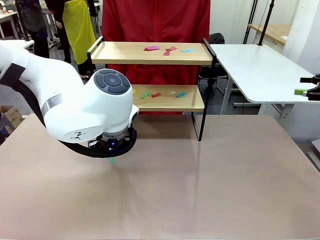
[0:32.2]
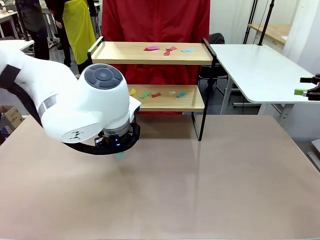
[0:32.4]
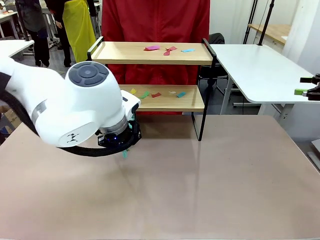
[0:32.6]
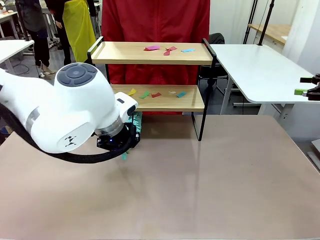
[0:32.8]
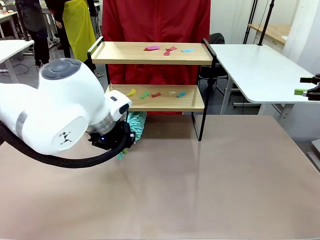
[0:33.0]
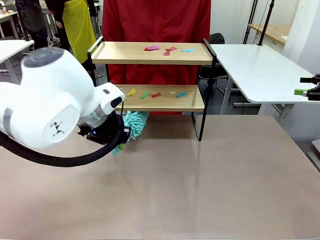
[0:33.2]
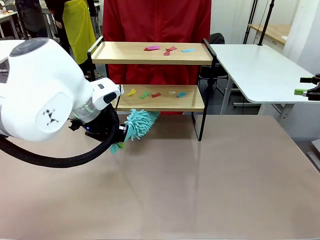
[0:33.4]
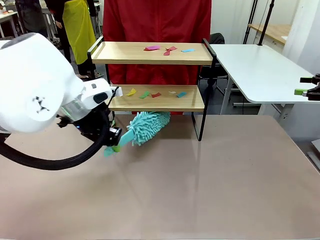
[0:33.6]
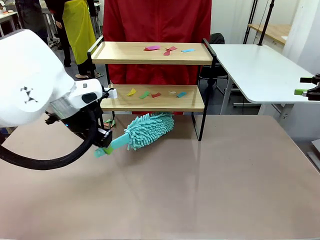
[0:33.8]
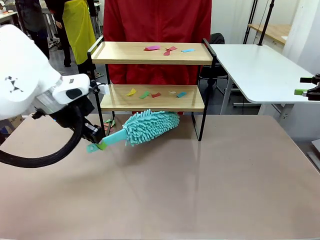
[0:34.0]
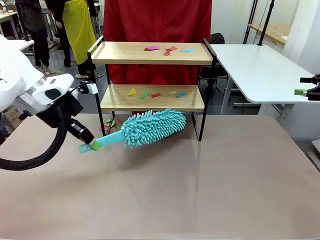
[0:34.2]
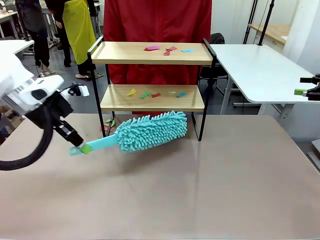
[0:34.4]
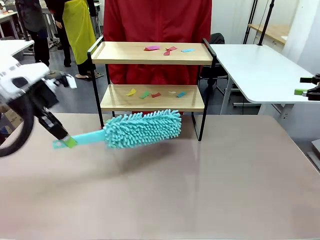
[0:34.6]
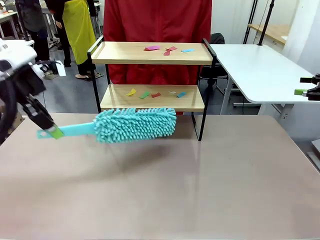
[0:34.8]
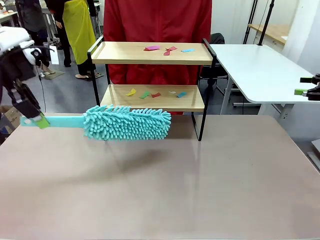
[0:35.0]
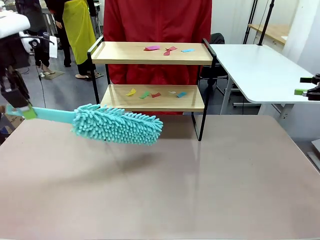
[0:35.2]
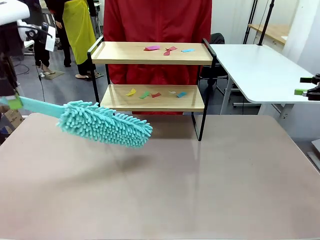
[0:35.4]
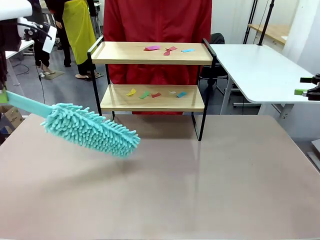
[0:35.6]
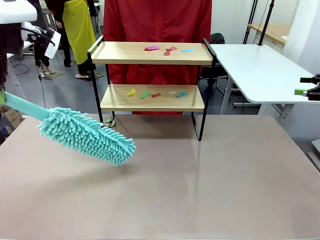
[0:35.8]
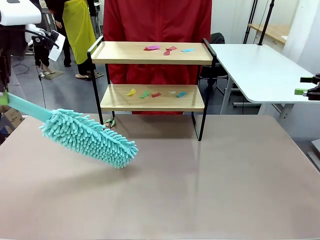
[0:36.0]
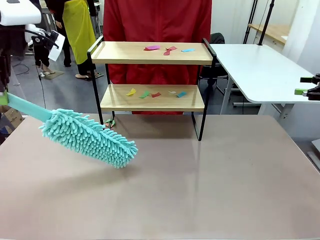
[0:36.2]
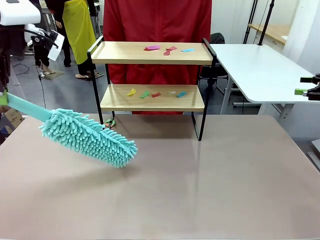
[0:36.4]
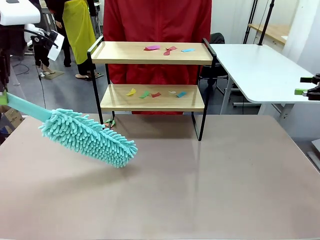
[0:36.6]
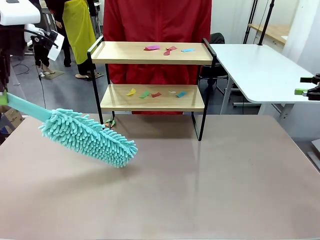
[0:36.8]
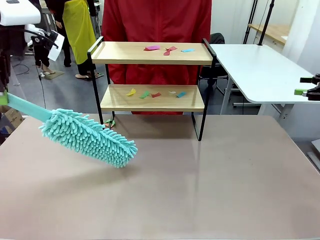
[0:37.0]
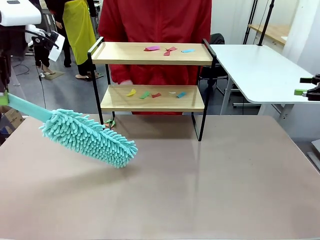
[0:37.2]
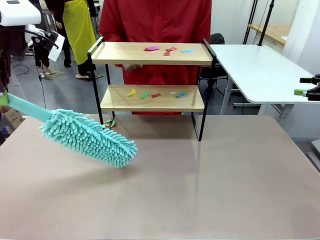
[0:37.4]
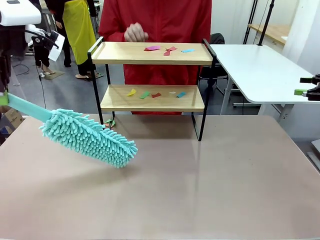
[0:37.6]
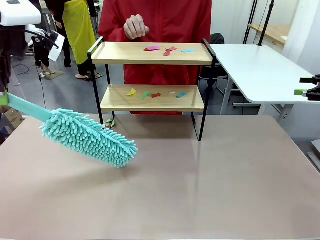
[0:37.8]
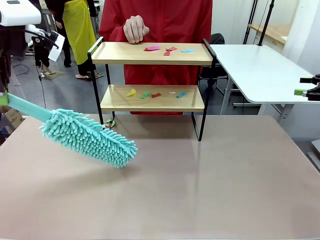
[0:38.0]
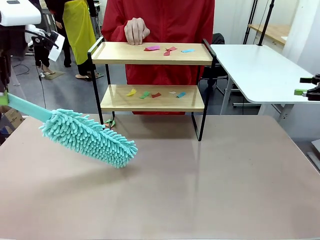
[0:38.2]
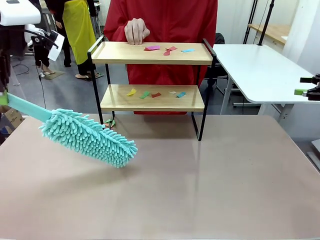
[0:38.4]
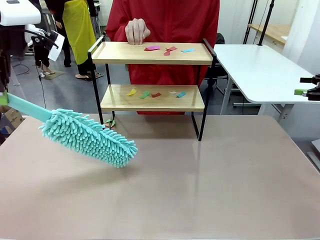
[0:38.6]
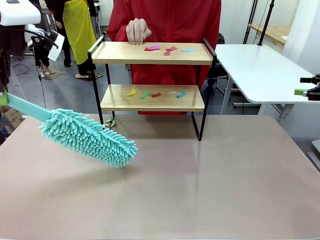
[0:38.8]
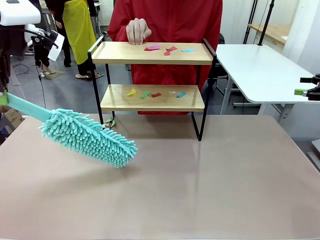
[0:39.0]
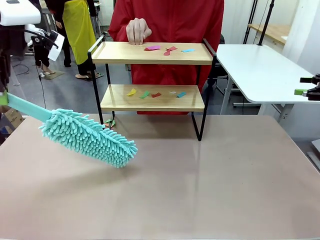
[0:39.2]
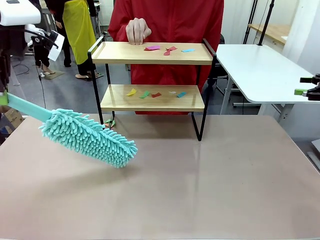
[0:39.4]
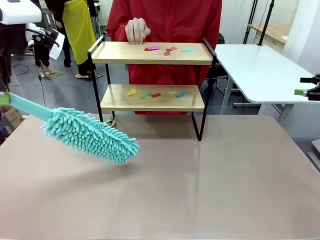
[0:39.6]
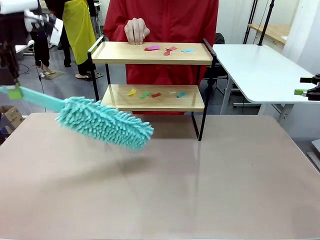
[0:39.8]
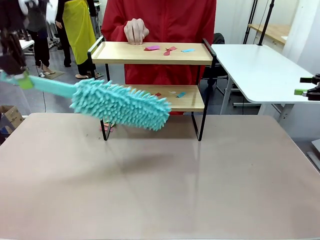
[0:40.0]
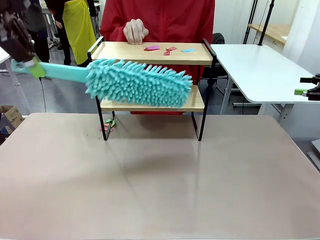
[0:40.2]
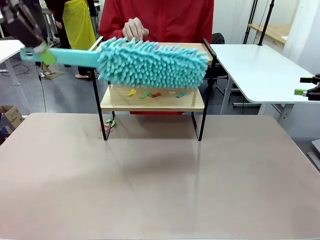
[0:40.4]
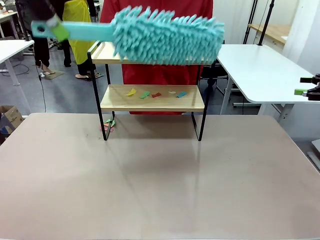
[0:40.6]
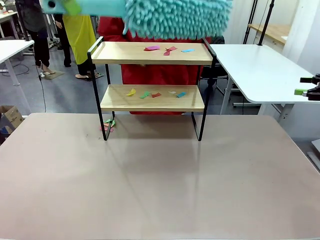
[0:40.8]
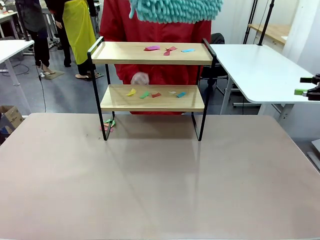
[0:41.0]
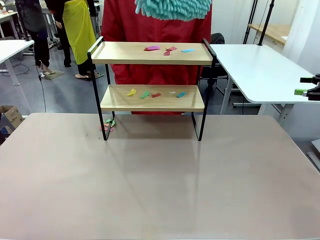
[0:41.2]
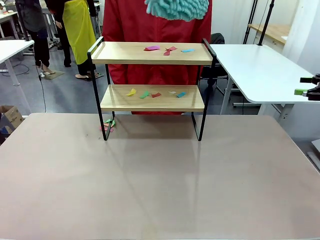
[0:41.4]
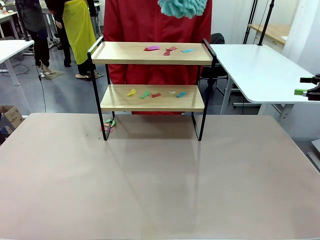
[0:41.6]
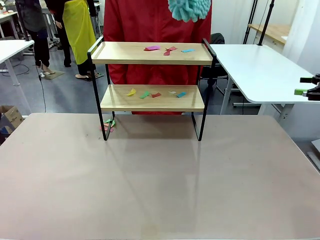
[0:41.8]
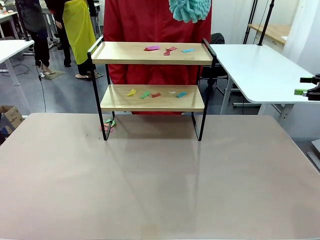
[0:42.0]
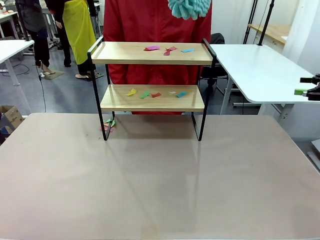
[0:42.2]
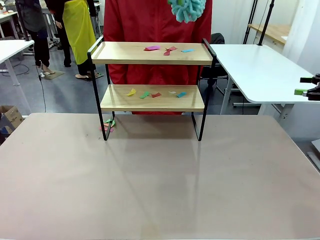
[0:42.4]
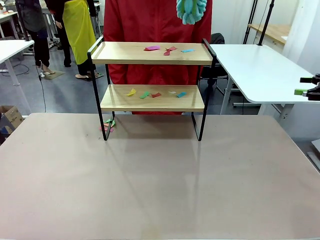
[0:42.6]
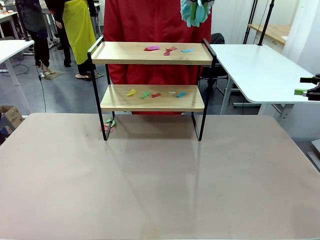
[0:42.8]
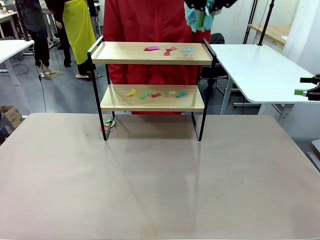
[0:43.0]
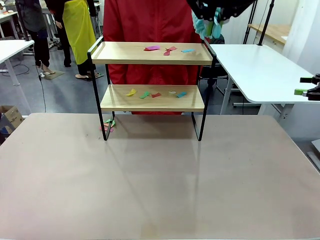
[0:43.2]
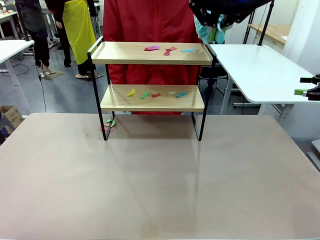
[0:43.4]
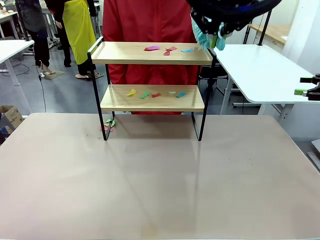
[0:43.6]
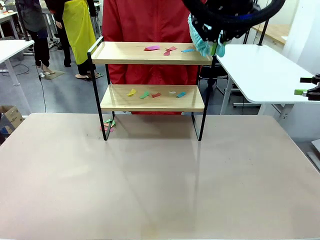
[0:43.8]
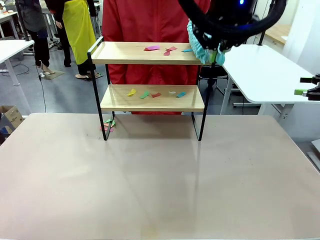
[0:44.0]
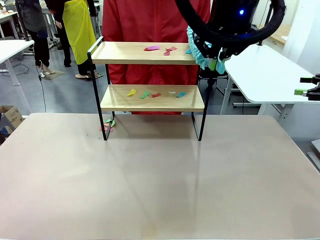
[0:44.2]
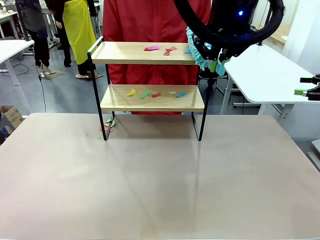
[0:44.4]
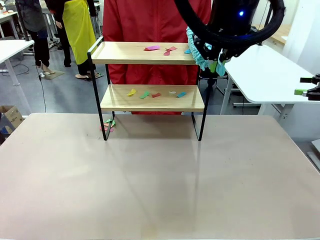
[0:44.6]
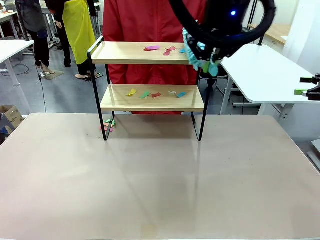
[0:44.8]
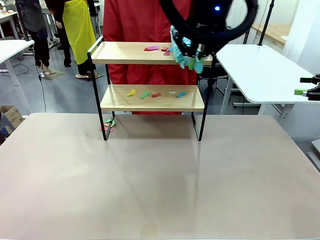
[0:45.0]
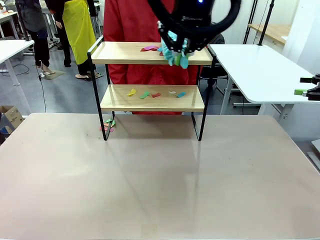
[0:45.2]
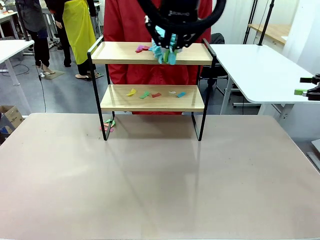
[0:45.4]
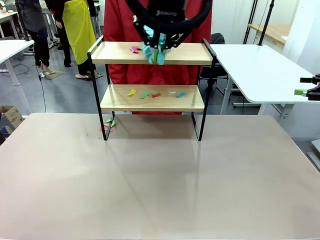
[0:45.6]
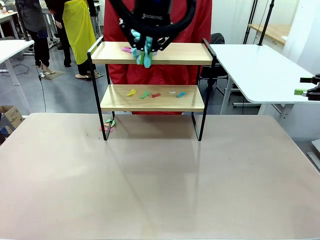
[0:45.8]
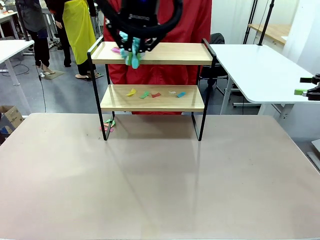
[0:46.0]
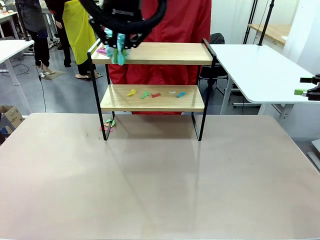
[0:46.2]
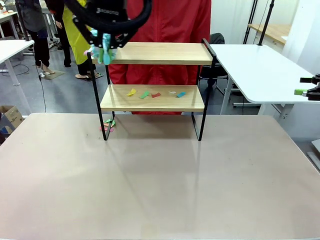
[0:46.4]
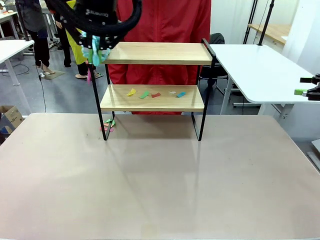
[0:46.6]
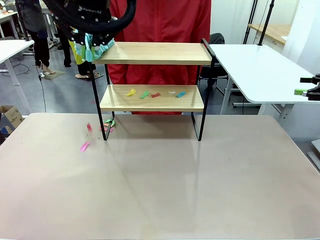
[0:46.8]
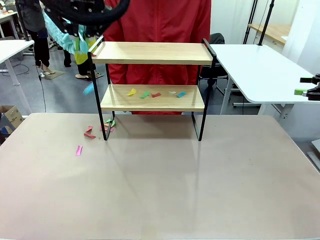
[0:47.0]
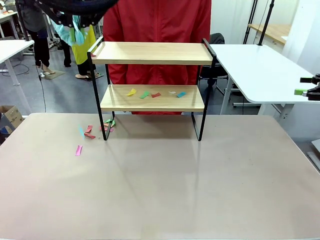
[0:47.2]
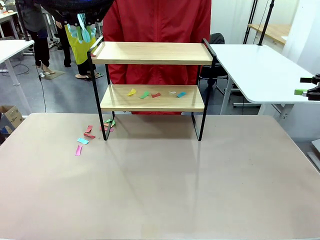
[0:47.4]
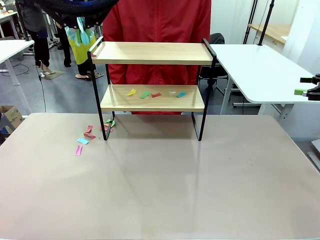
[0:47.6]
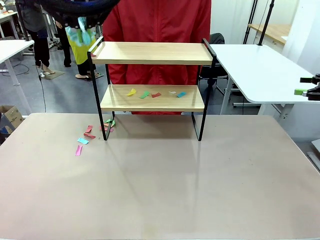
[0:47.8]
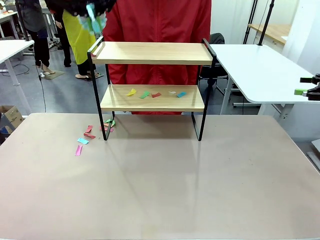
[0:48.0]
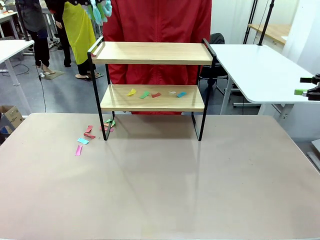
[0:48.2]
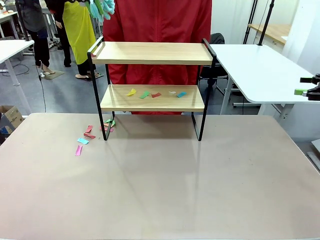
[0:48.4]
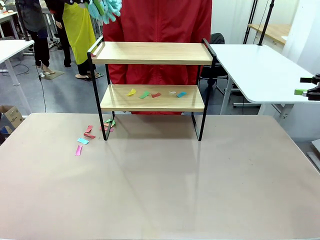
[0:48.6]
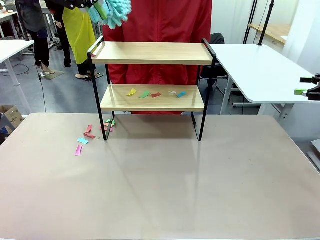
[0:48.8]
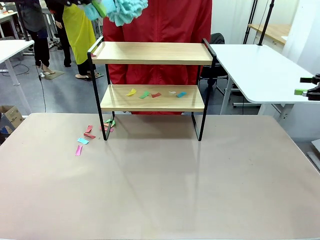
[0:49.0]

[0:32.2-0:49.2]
Task: Clean the shelf.
Robot: Clean the specific section of the Shelf indicated by the human with the Duster.
Person: Point a remaining section of the Shelf.
